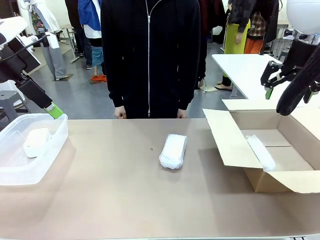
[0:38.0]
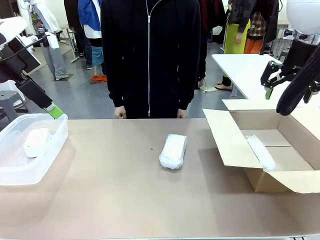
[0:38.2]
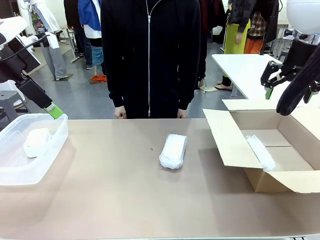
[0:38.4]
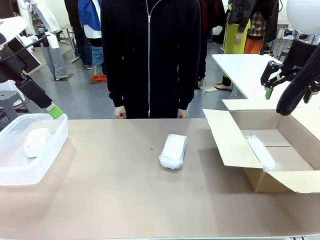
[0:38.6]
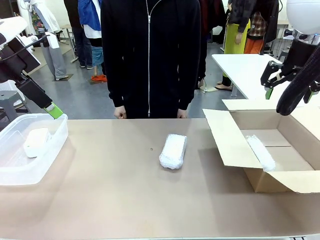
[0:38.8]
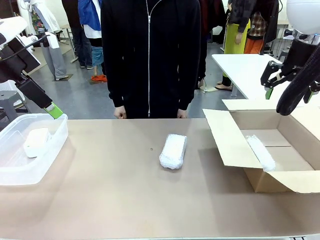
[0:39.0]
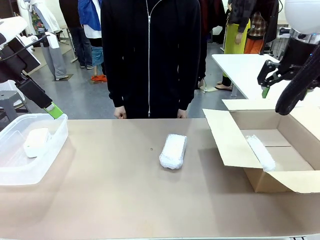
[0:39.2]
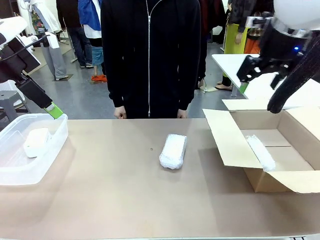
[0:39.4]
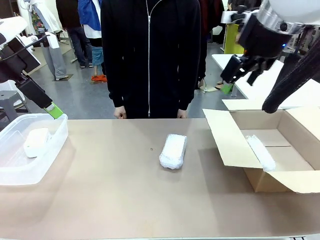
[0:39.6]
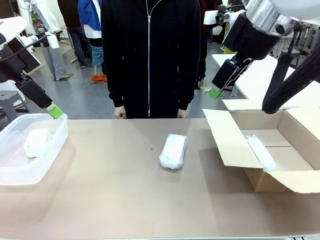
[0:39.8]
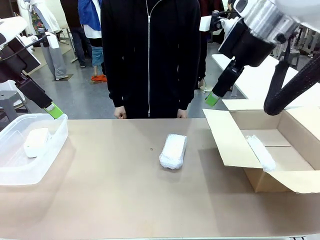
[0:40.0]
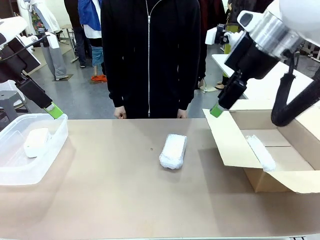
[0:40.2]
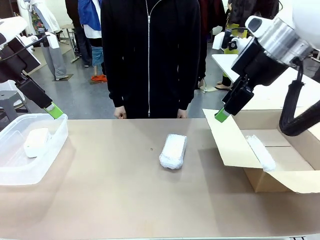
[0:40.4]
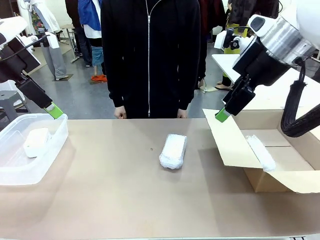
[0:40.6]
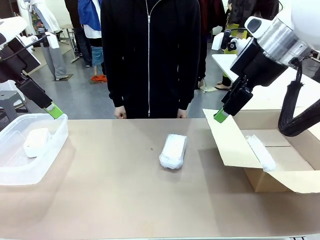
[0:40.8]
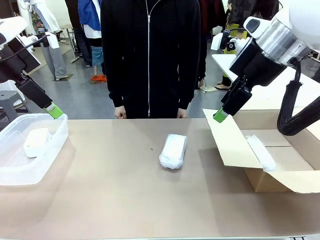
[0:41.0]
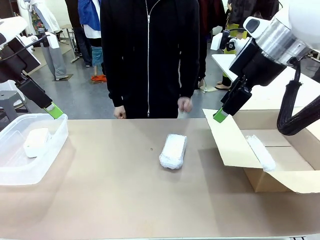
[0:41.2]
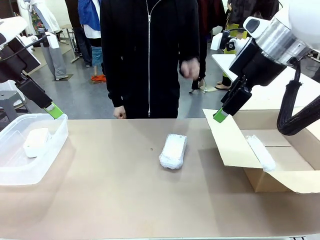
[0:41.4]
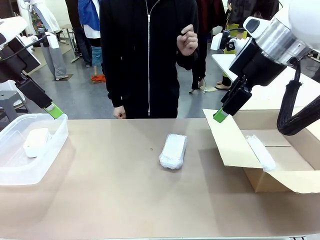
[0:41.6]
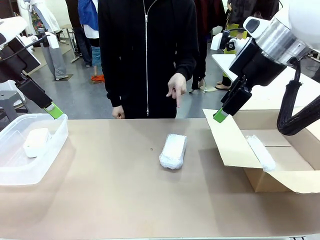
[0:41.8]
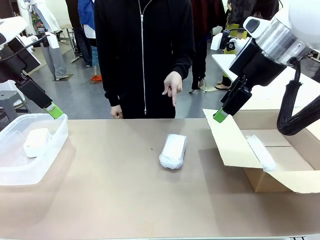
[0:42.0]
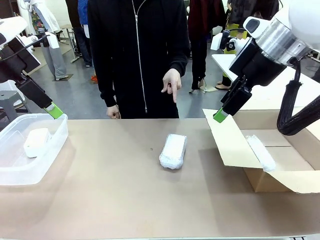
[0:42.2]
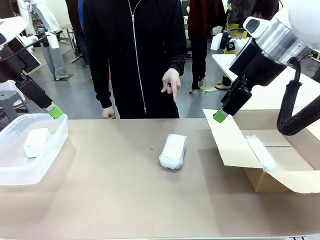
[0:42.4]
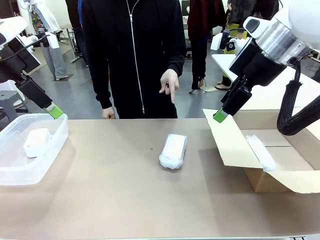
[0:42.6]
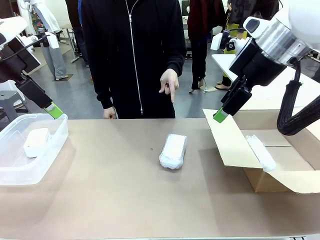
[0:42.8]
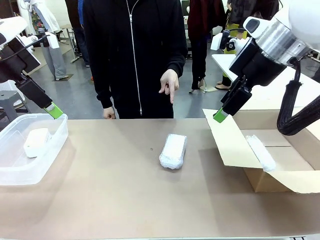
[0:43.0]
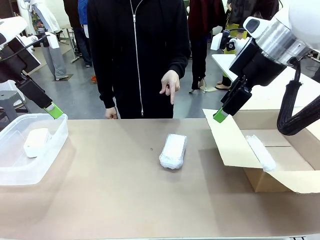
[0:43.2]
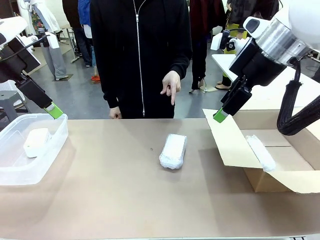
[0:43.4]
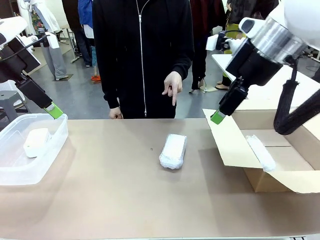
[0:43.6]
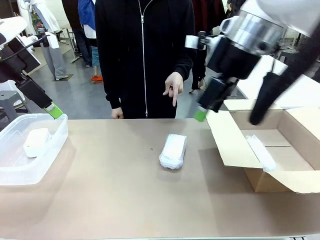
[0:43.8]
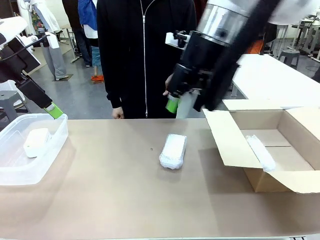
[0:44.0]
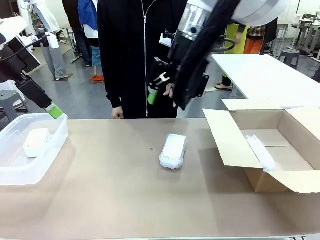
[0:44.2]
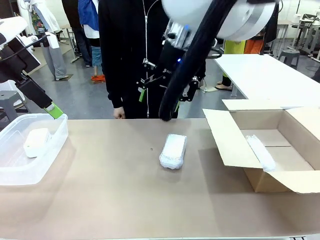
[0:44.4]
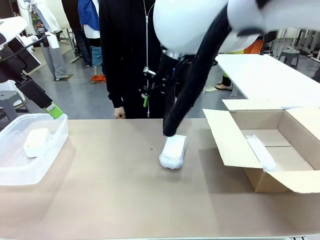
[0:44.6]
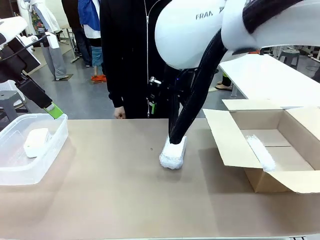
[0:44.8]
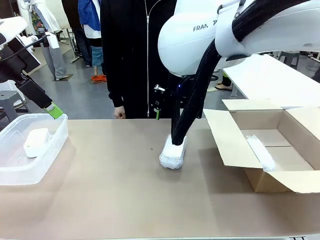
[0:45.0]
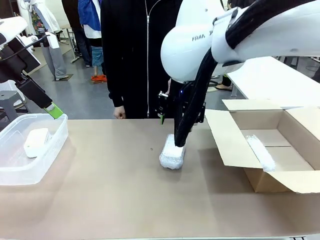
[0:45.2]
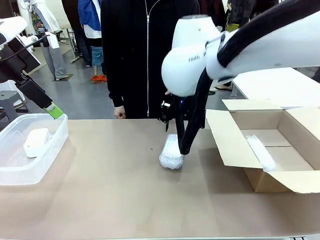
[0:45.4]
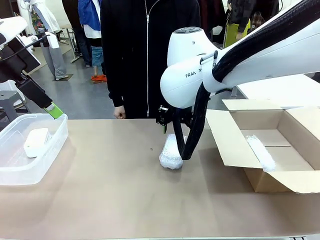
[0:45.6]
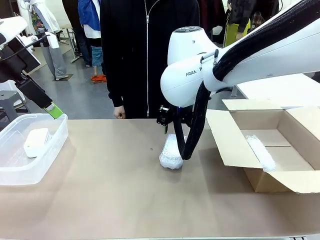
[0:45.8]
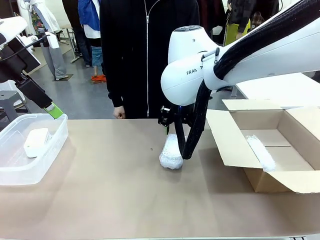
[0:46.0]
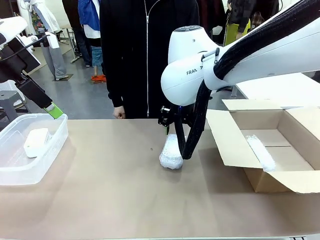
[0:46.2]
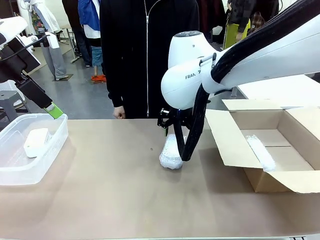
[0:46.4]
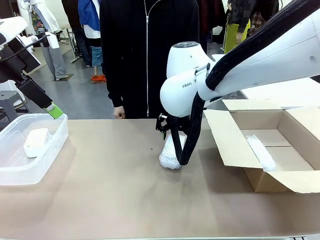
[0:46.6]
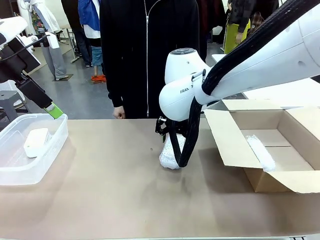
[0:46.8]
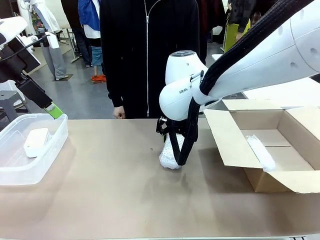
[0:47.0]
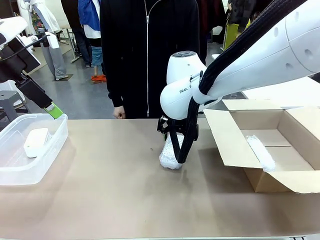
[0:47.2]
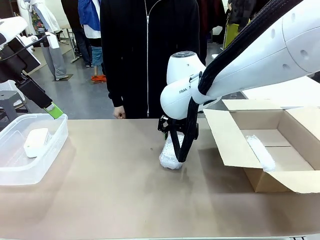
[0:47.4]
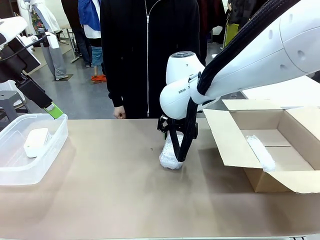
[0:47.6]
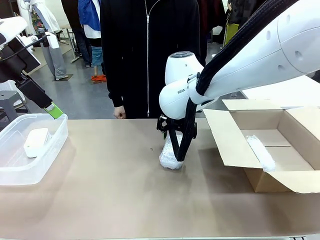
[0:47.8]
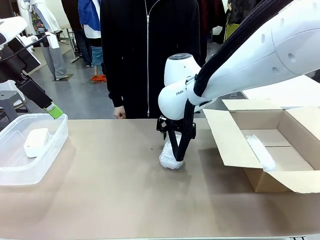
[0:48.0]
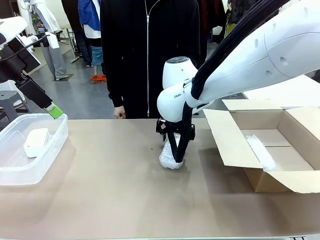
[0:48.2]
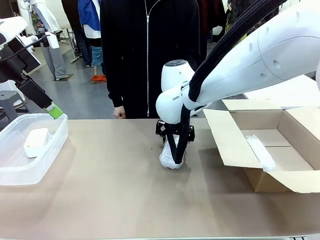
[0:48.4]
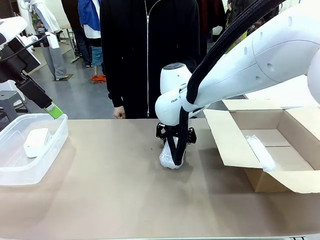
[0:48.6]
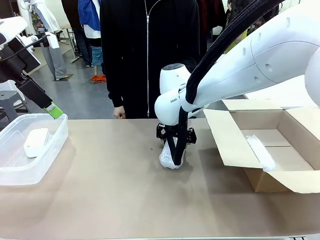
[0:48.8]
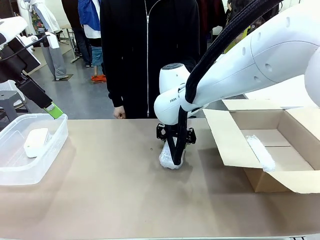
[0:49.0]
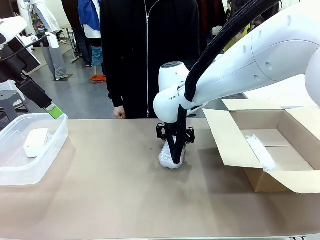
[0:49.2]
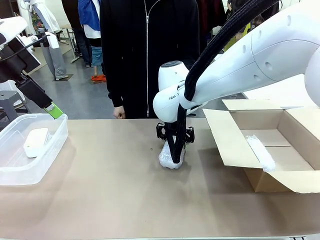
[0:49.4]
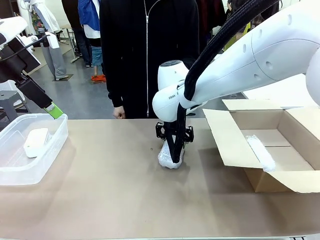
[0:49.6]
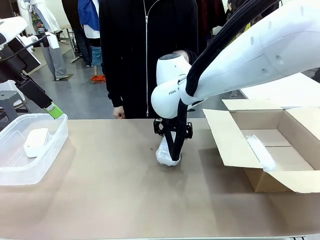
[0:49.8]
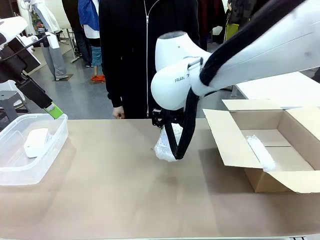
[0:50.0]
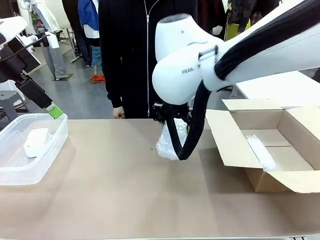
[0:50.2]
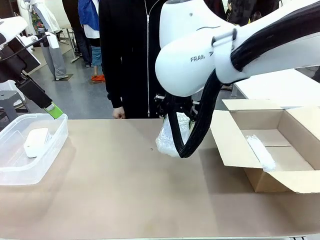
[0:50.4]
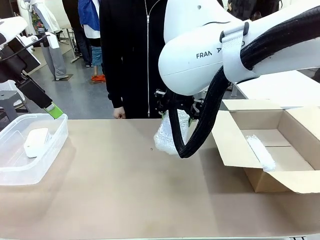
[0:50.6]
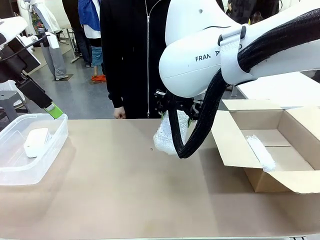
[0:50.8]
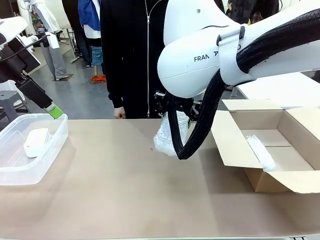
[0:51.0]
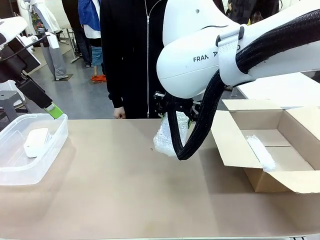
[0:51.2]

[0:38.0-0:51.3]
Task: Separate and place wrapped and unwrapped clocks.
Robot: Pick up the Digital clock indicated by the person.

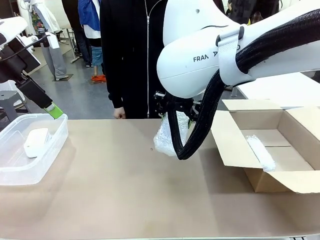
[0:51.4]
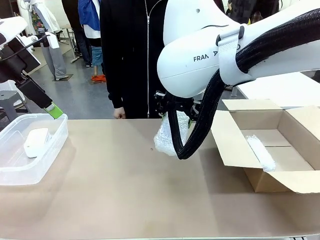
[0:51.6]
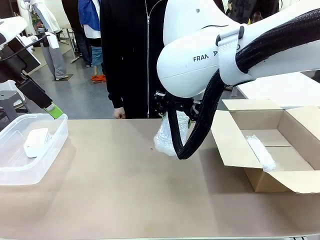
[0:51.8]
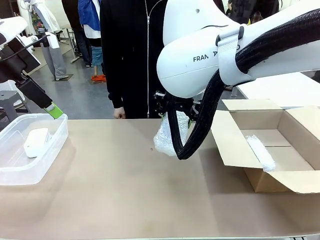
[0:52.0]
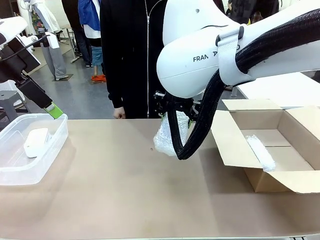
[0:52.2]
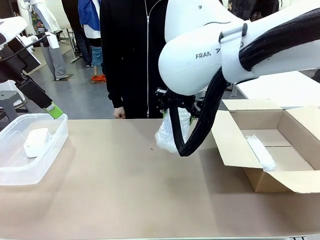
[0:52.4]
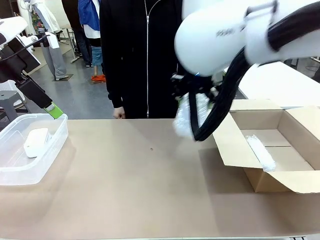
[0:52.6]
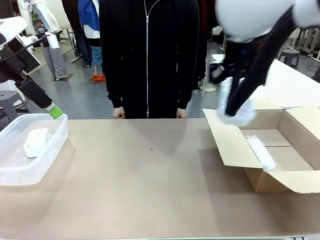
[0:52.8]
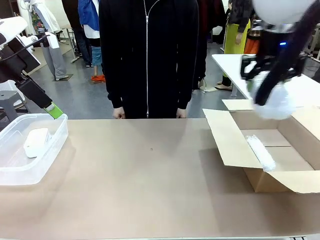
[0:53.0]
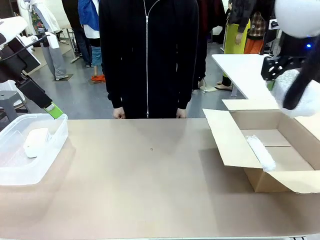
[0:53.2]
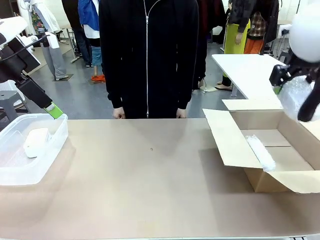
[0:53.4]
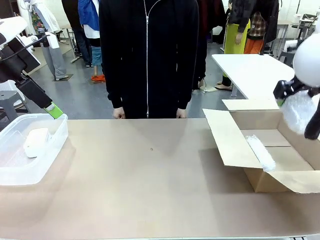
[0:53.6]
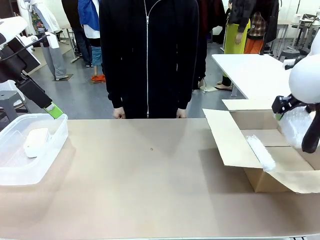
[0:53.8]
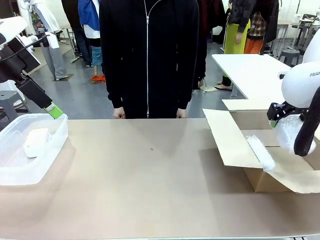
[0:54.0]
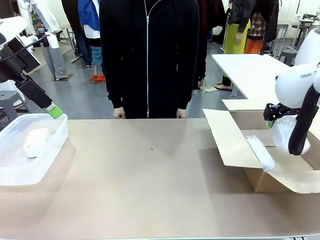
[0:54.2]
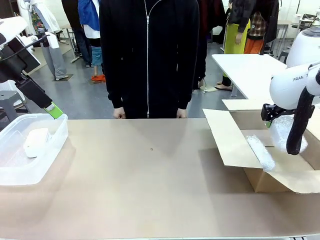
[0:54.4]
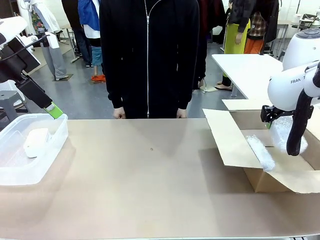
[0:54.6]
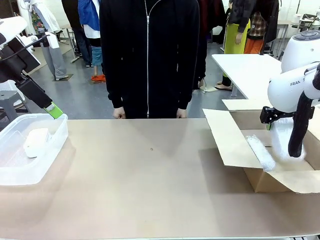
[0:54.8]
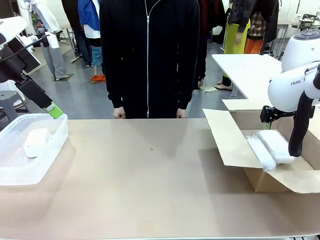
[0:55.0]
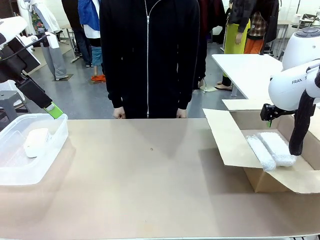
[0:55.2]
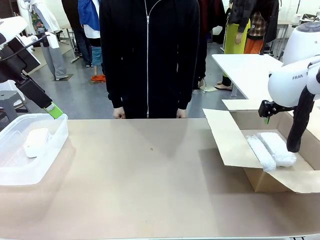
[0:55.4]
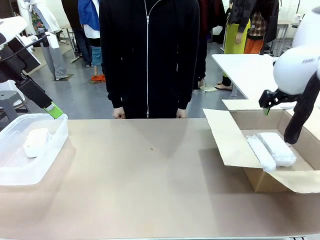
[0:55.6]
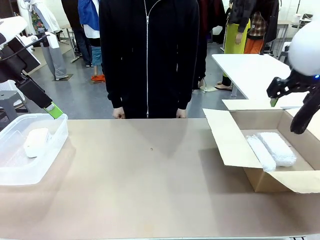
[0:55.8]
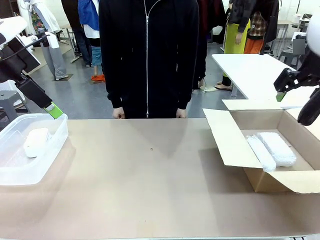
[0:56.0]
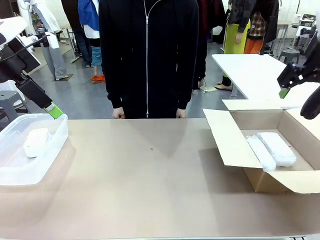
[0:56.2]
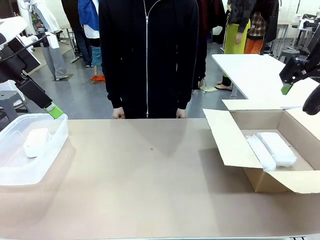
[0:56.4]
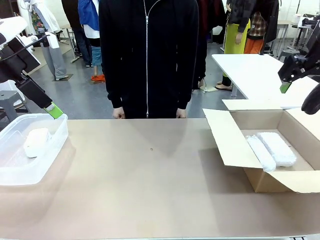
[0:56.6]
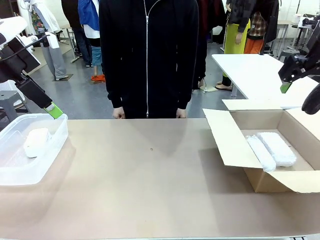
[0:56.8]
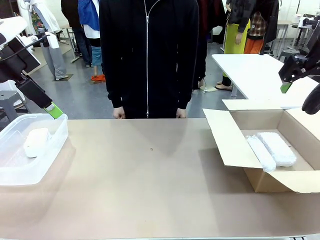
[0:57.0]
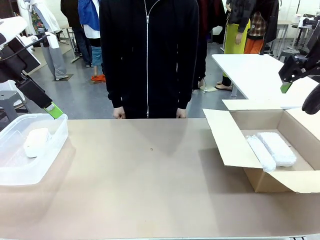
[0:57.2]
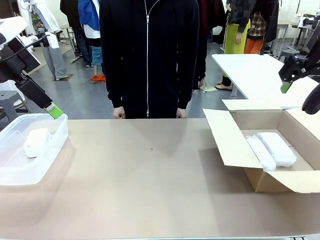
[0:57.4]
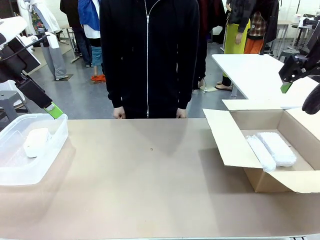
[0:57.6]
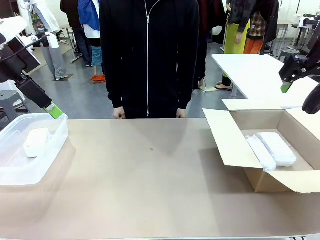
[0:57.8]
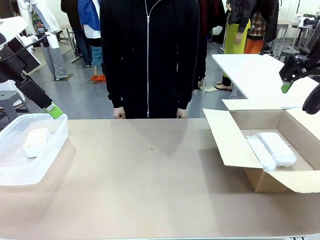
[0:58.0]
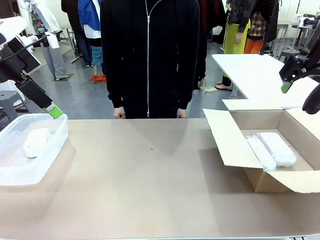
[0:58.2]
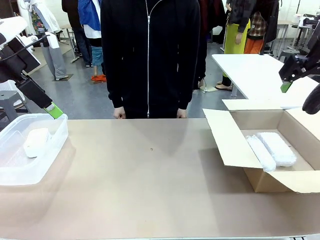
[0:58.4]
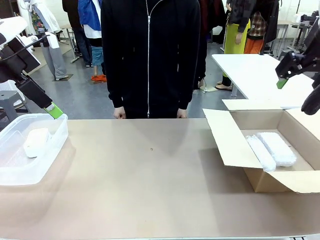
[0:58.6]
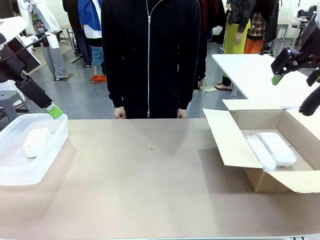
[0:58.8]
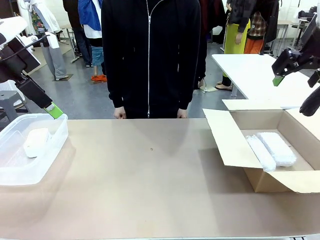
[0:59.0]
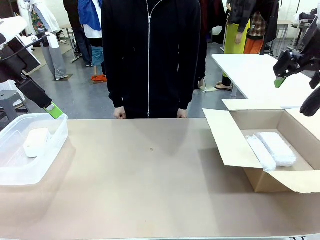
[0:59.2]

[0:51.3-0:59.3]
Robot: If the picked Digital clock is wrapped, place it in the Package Box ; if not, place it in the Organizing box.
